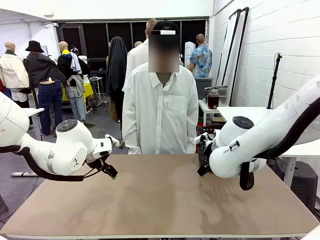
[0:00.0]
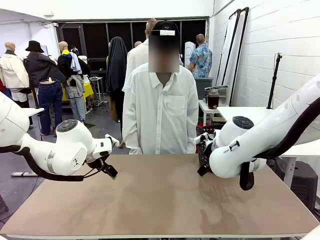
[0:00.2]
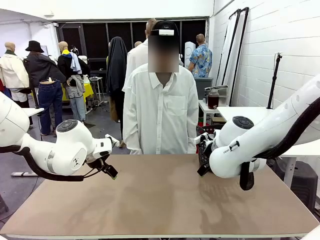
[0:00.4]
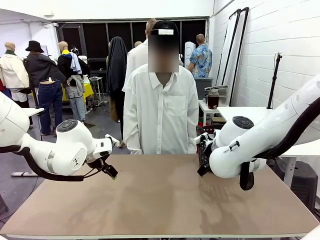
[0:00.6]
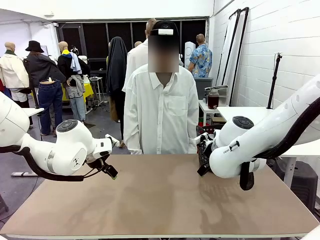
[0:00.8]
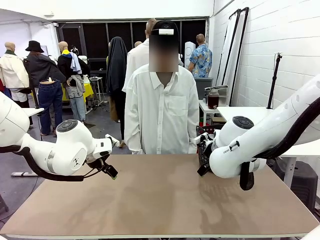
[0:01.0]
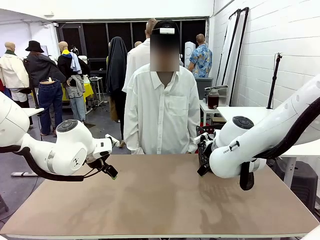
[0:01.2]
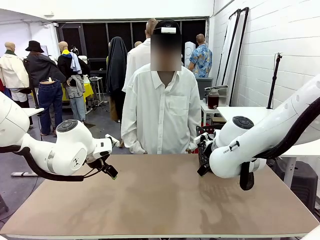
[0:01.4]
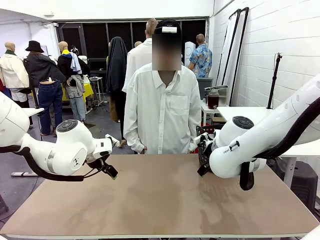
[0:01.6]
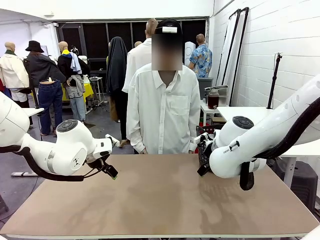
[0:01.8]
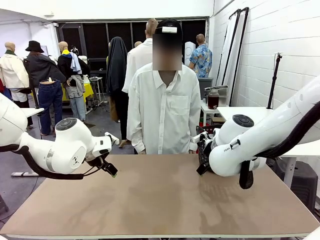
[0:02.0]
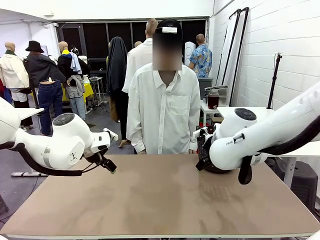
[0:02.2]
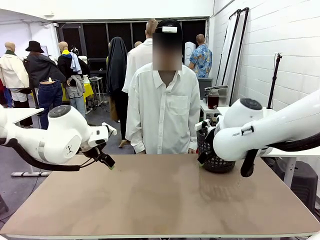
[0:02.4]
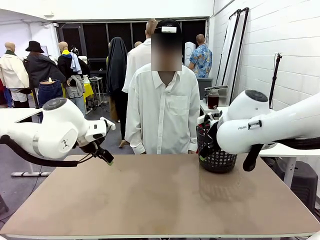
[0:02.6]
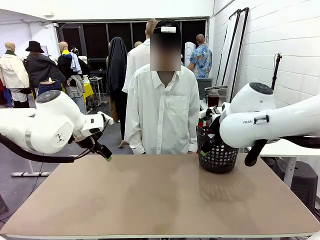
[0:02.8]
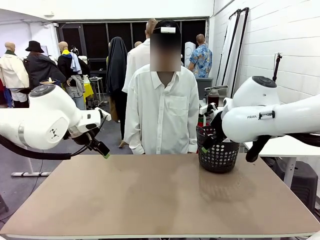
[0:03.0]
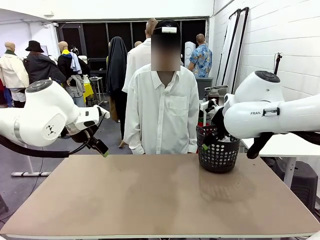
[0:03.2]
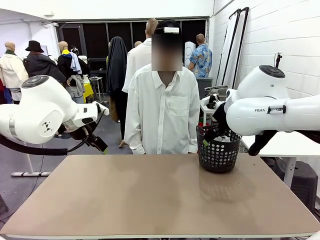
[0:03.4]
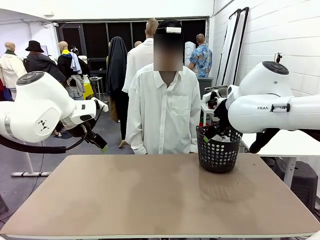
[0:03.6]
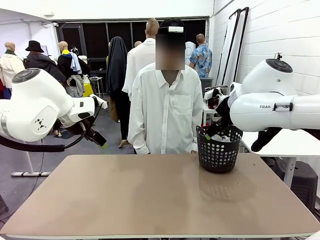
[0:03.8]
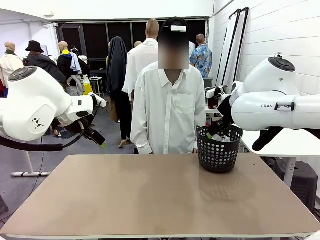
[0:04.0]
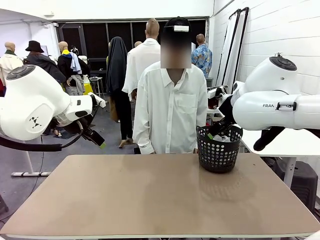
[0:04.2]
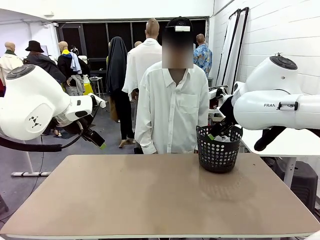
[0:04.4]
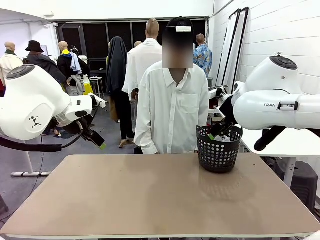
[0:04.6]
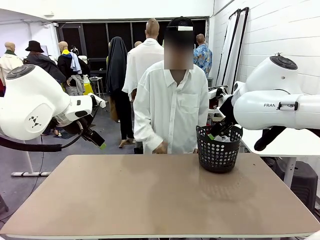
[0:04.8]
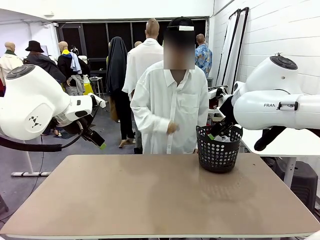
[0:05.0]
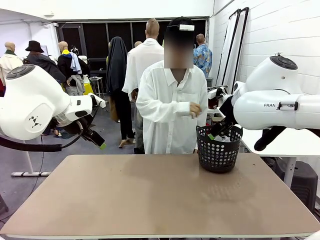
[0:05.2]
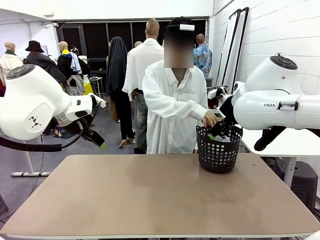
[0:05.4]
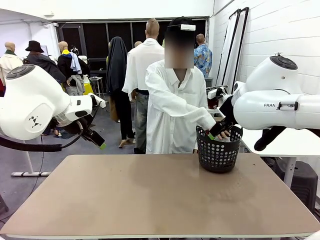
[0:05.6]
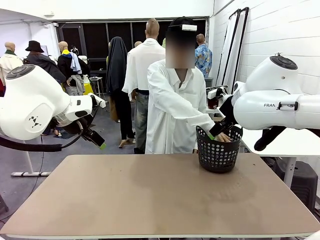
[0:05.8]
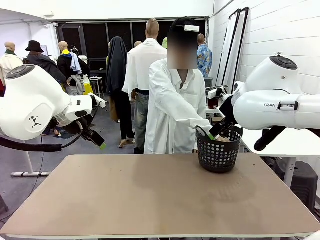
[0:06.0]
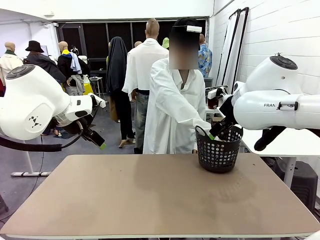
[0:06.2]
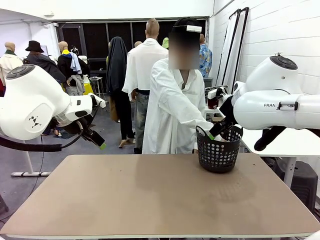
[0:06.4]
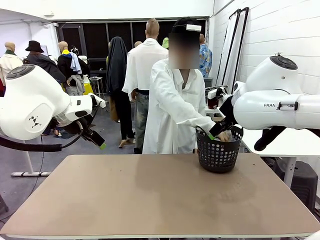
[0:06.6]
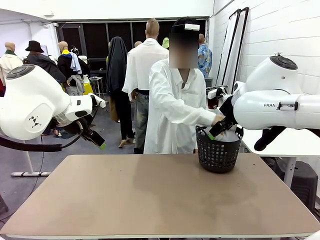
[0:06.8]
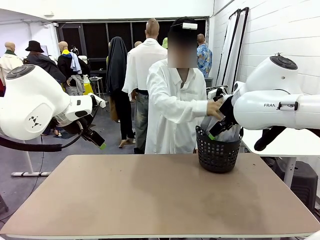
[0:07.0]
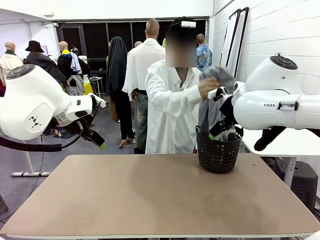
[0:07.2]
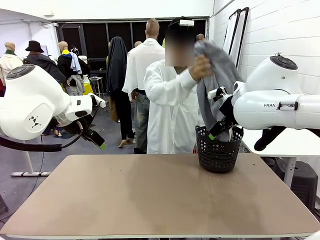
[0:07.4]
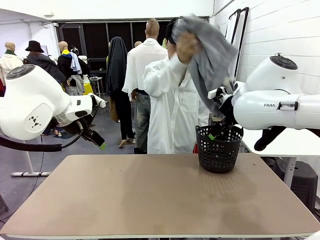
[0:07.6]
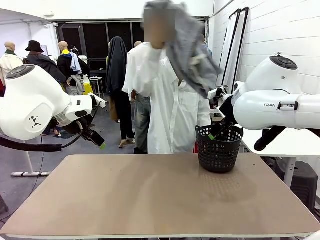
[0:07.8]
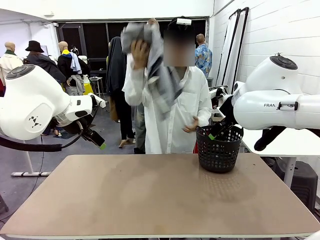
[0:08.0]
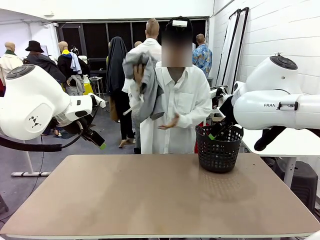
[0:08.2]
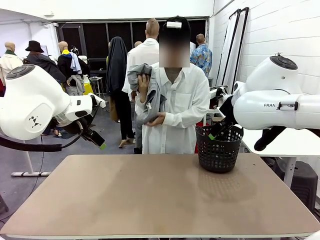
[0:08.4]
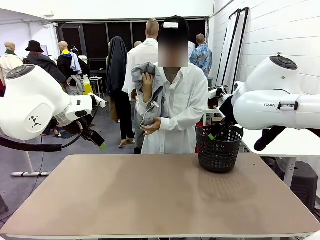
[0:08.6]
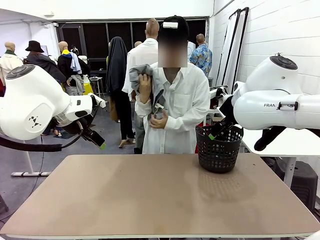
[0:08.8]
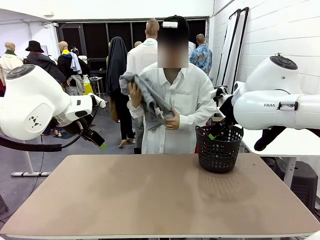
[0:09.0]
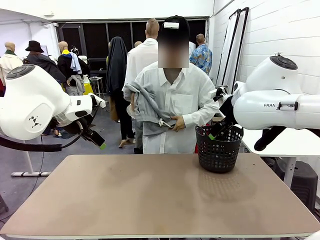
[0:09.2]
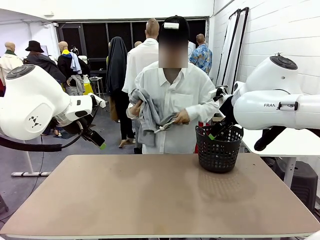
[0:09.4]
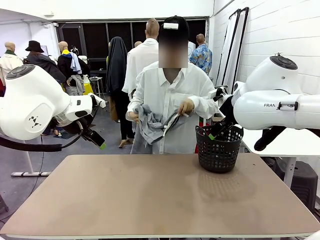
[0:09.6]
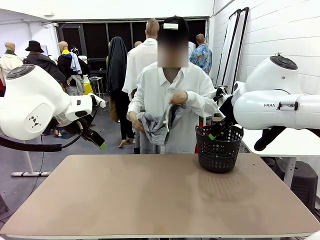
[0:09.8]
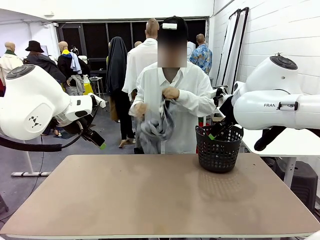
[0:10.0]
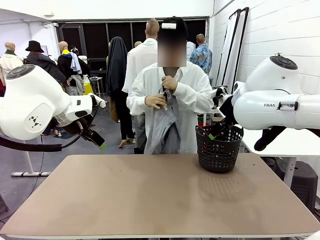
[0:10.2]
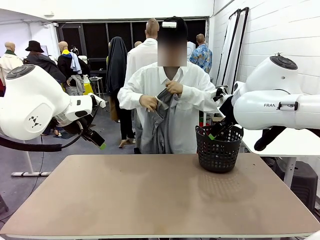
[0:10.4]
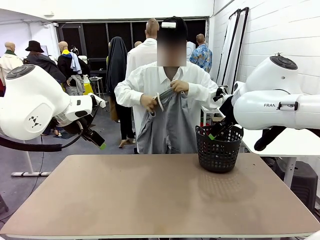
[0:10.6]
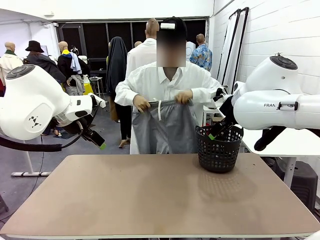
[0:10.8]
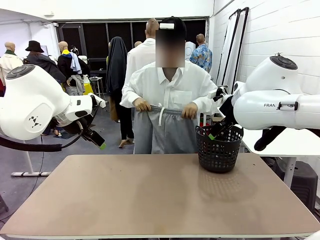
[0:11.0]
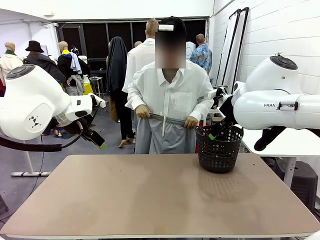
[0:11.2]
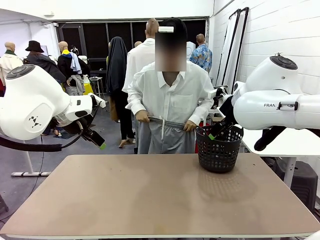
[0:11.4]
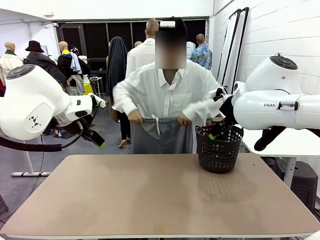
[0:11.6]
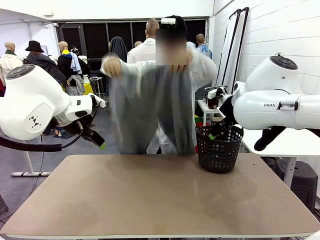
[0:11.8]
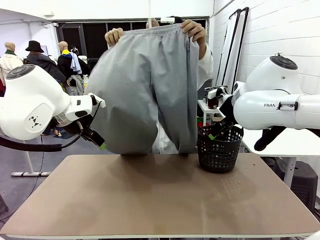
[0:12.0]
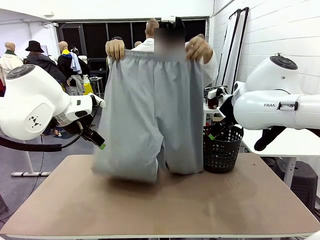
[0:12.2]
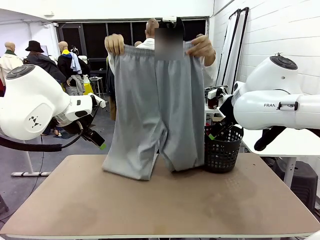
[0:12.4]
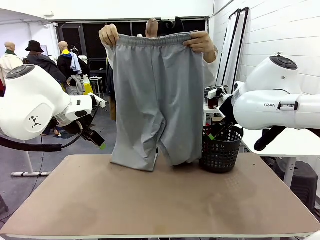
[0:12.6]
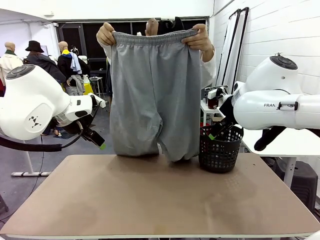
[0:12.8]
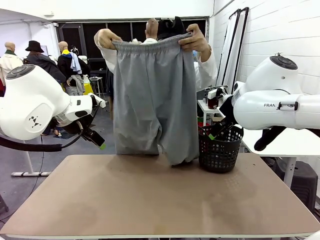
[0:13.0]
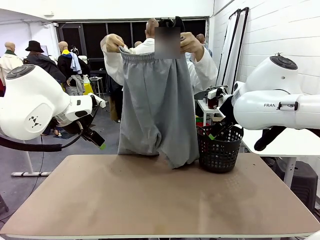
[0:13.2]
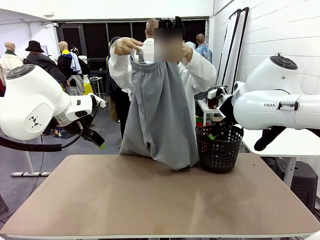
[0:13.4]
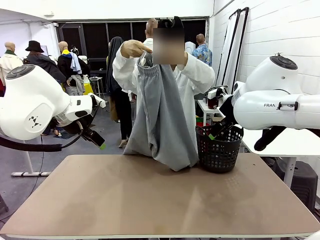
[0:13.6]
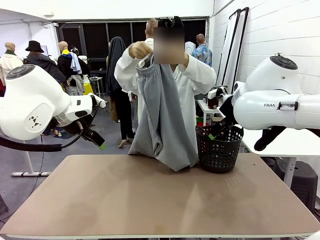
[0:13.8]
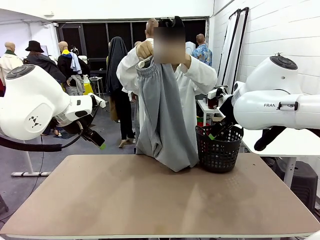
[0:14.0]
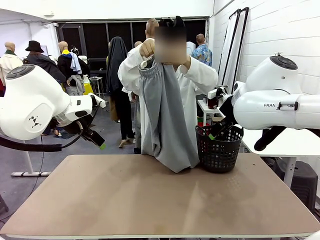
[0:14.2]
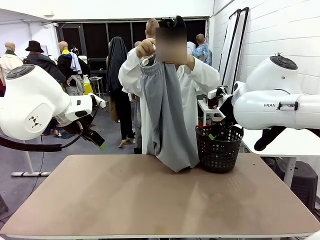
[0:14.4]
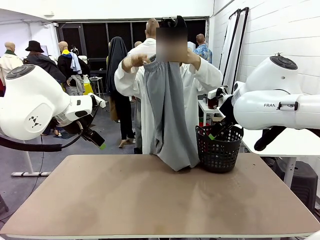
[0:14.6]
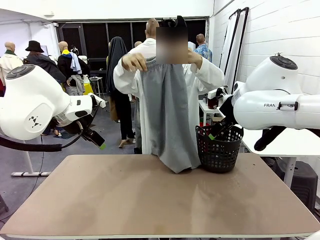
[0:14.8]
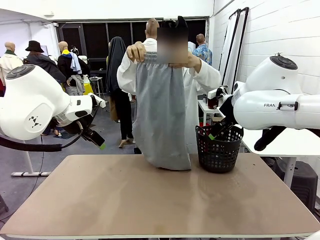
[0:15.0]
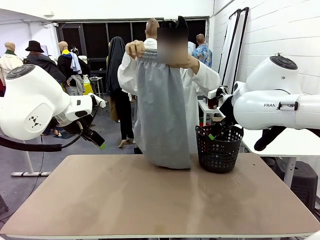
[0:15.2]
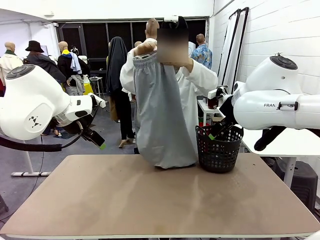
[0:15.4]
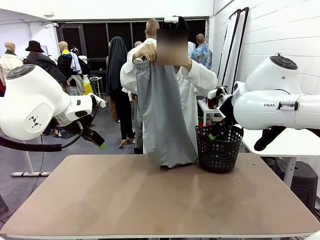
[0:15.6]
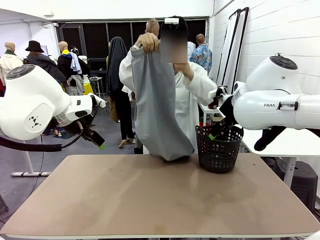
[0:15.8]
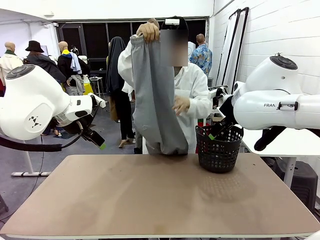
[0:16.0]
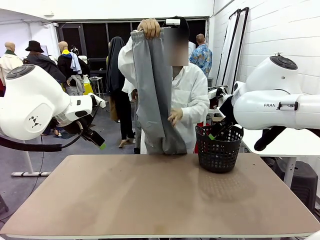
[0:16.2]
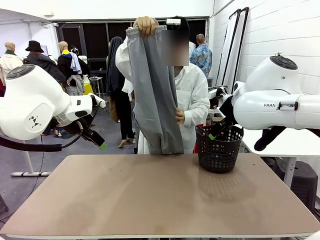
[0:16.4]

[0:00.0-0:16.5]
Task: Fold the training pants.
Robot: Grab both ends of the Training pants handed by a person.
Person: Take the long pants out of the laundry basket, unfold them, fold the waist in half, and extend them so the robot can pick up both corners.

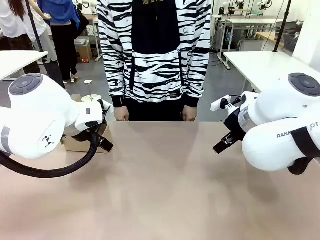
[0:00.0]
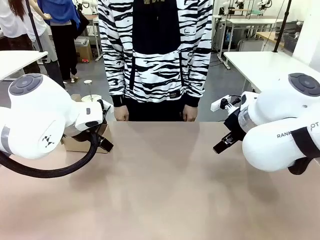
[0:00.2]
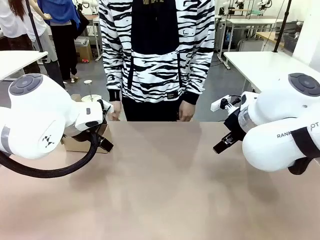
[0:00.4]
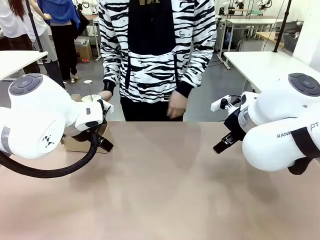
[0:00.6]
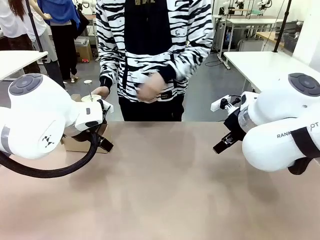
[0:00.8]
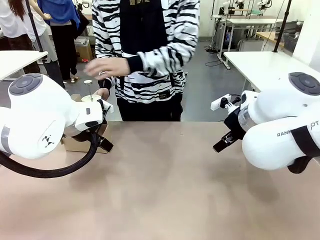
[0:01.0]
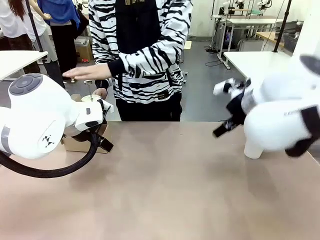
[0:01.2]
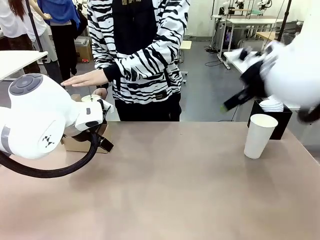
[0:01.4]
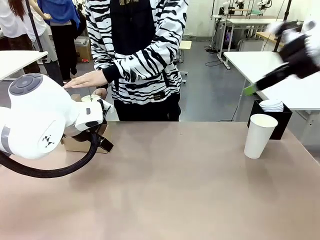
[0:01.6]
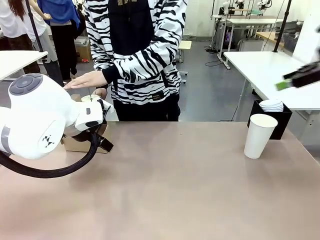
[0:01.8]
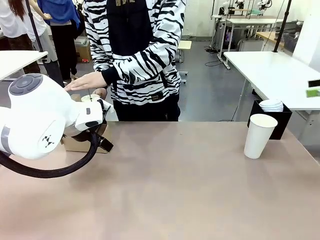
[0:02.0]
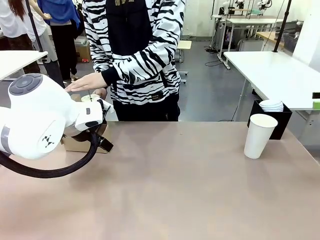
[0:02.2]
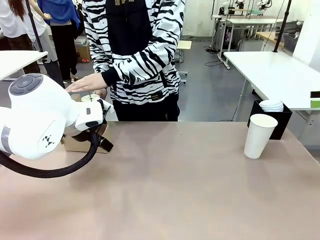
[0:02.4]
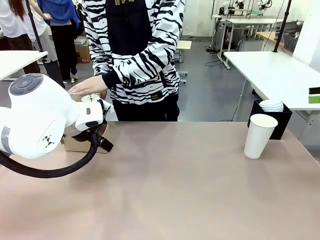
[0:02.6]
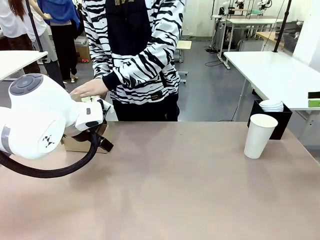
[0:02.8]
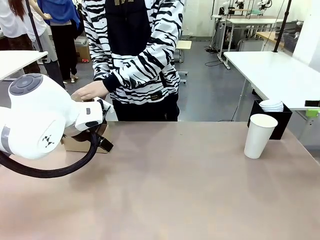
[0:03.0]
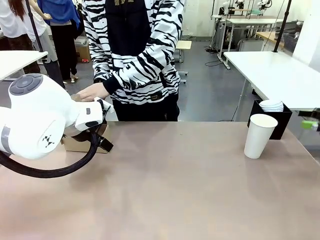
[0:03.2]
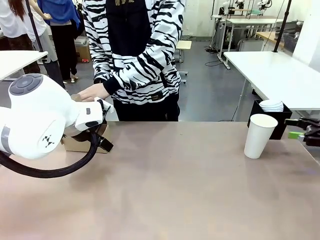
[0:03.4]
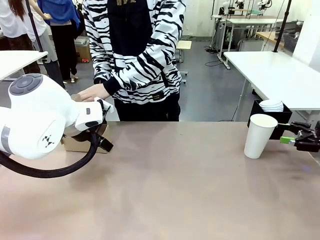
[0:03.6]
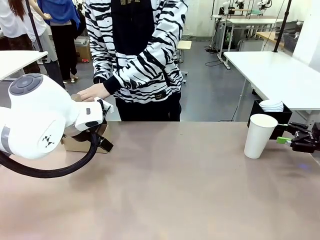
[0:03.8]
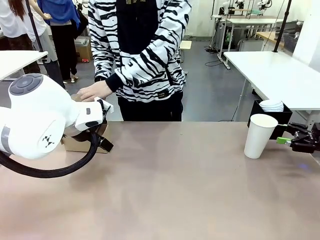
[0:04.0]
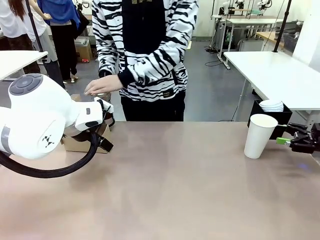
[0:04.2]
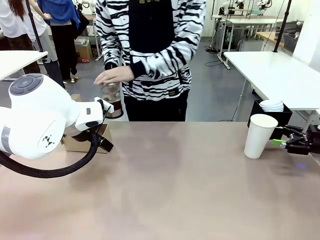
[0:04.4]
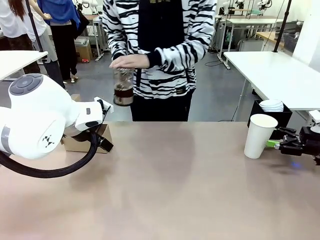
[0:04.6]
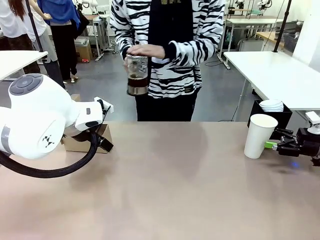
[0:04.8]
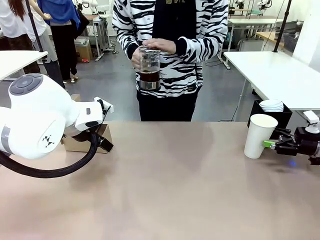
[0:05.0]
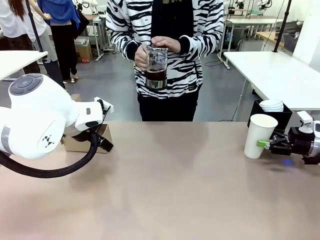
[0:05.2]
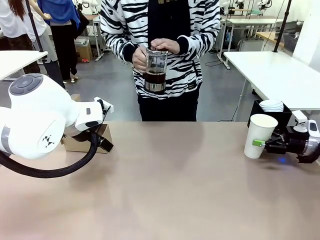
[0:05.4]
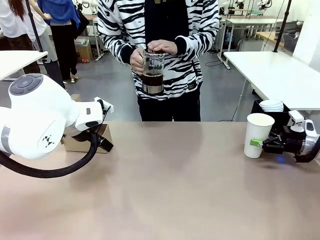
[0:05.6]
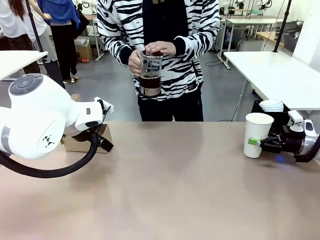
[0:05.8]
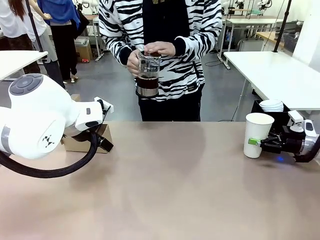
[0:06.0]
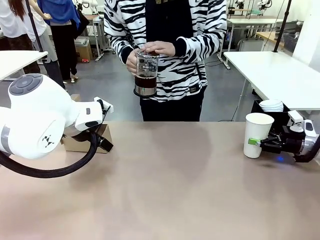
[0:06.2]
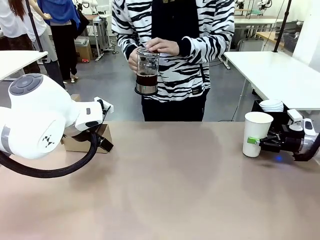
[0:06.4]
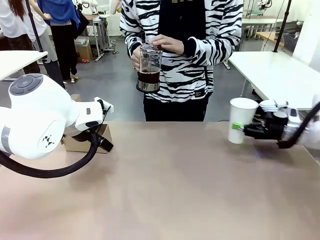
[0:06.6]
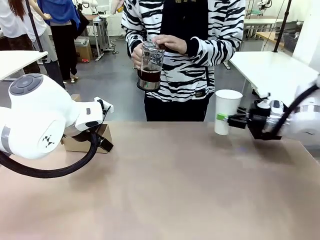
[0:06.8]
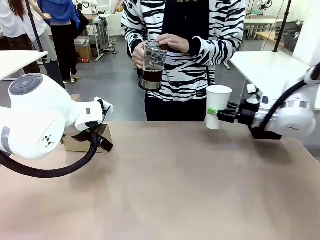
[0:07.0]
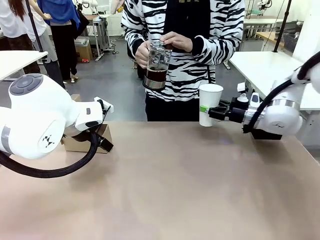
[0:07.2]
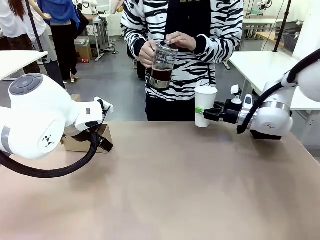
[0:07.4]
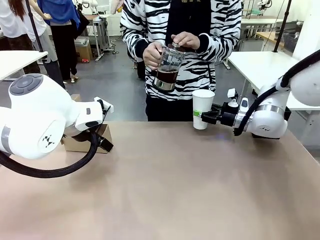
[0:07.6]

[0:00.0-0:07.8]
Task: Pour a drink into a cup and package it in a carrier.
Robot: Pick up the 600 ml Paper Cup and place it in the middle top area of the table.
Person: Press and pick up the Filter Brewing.
